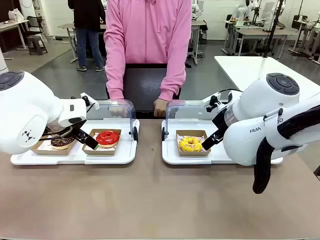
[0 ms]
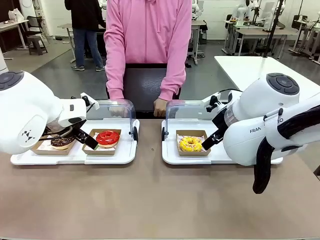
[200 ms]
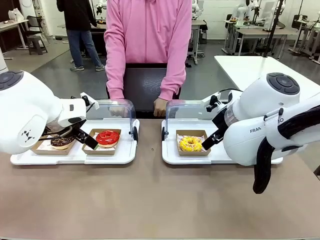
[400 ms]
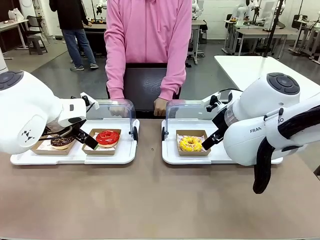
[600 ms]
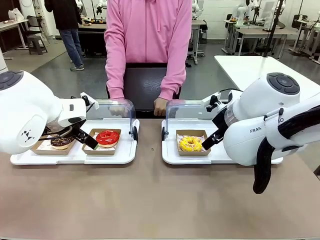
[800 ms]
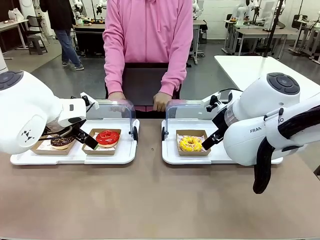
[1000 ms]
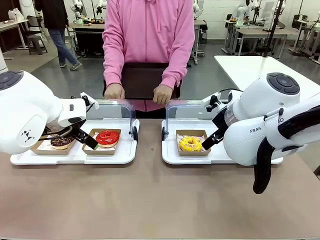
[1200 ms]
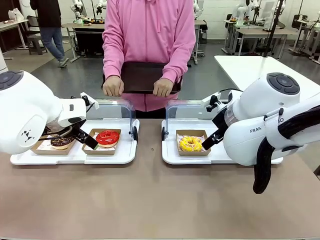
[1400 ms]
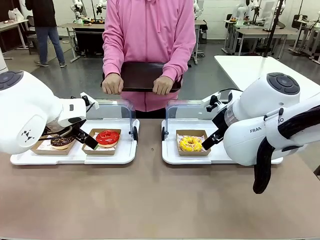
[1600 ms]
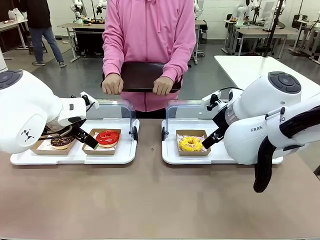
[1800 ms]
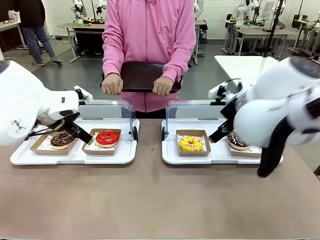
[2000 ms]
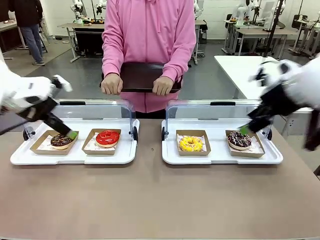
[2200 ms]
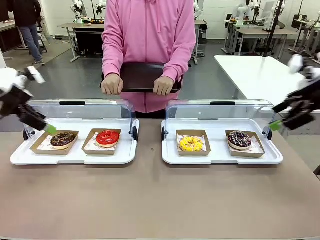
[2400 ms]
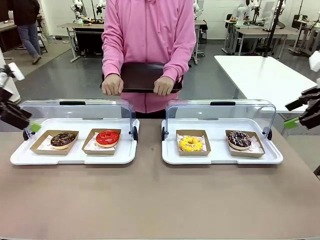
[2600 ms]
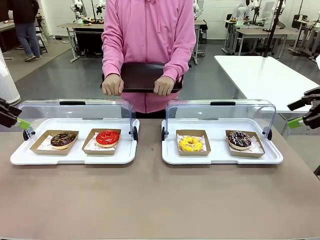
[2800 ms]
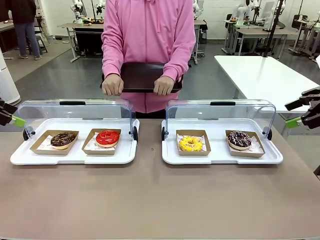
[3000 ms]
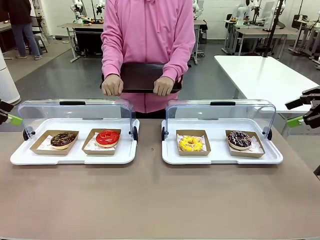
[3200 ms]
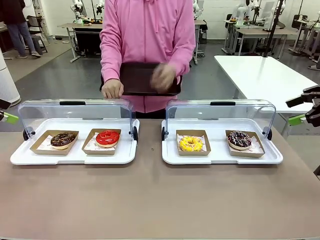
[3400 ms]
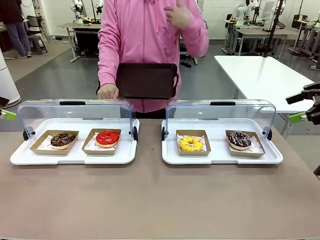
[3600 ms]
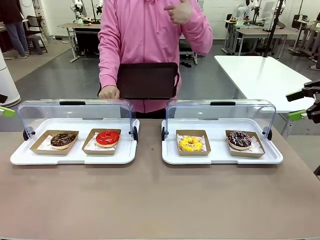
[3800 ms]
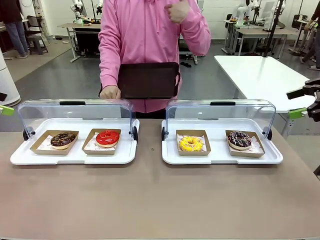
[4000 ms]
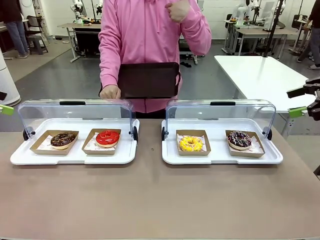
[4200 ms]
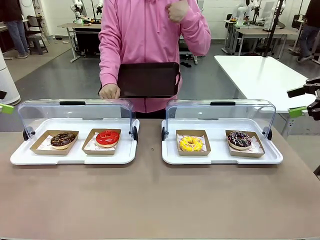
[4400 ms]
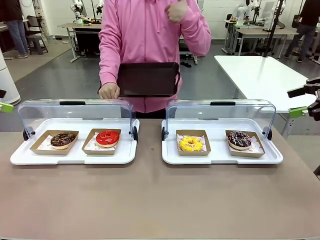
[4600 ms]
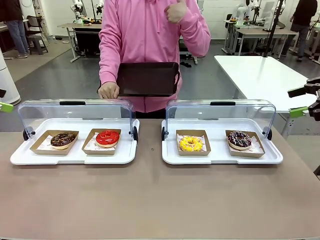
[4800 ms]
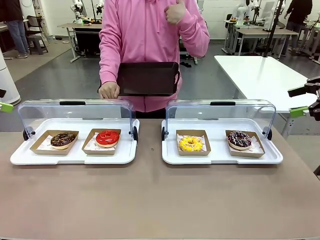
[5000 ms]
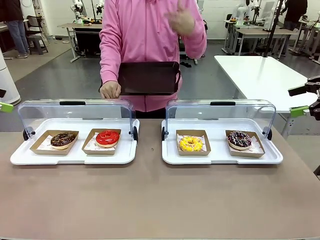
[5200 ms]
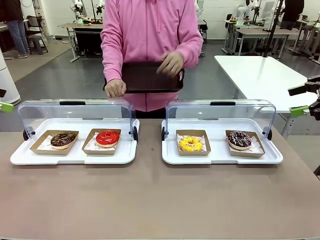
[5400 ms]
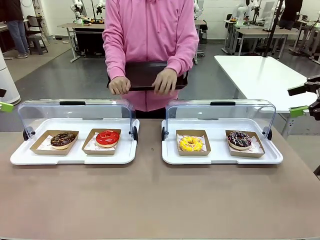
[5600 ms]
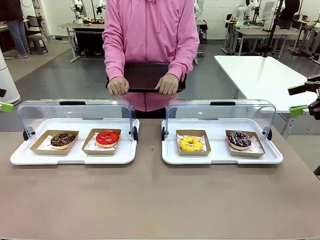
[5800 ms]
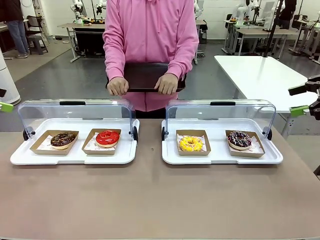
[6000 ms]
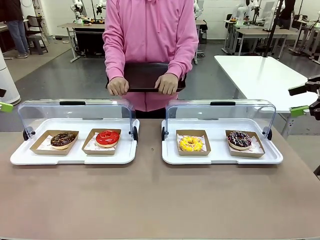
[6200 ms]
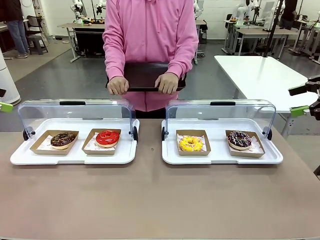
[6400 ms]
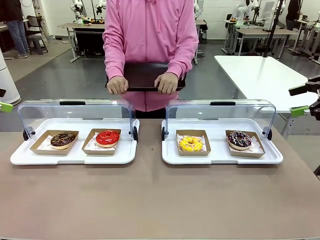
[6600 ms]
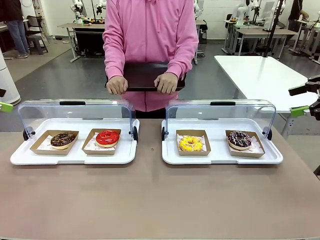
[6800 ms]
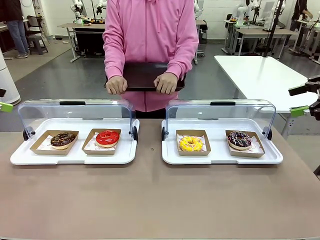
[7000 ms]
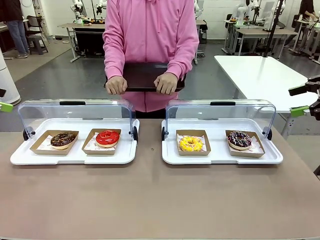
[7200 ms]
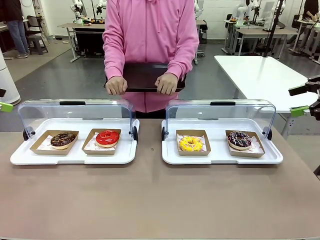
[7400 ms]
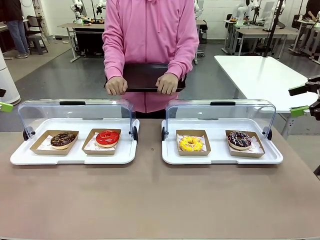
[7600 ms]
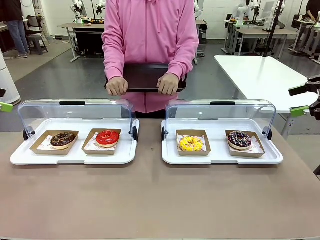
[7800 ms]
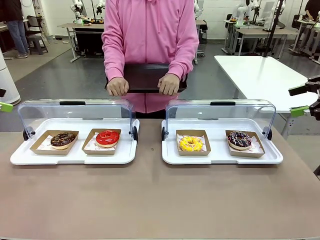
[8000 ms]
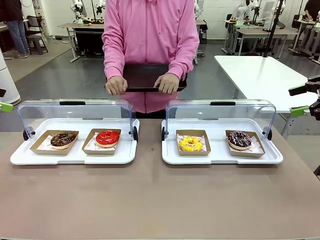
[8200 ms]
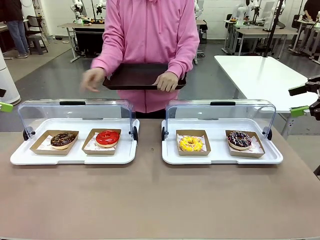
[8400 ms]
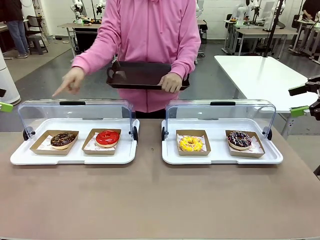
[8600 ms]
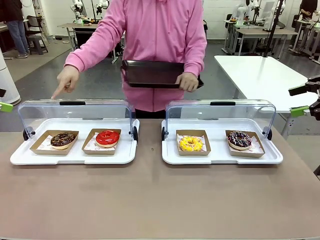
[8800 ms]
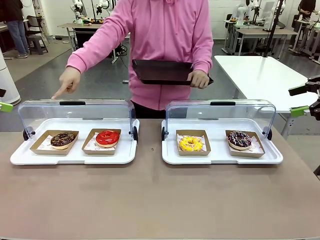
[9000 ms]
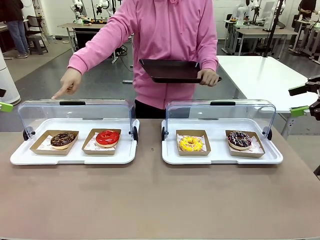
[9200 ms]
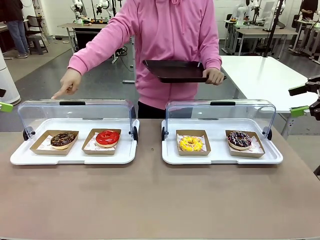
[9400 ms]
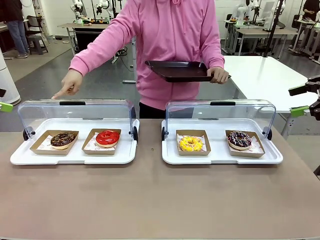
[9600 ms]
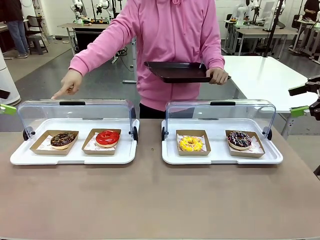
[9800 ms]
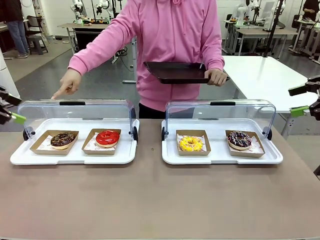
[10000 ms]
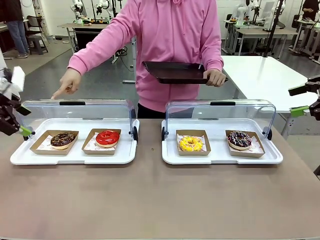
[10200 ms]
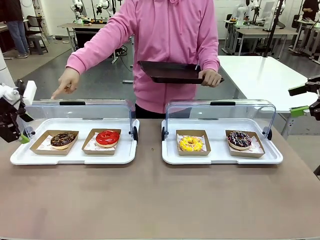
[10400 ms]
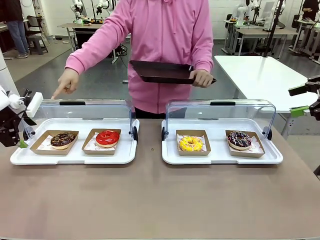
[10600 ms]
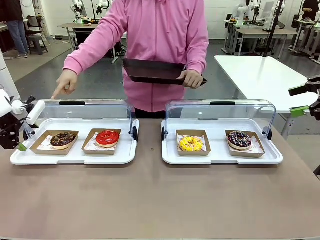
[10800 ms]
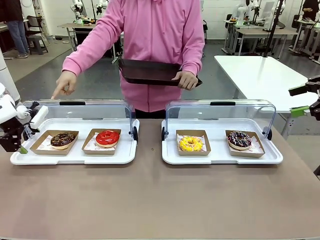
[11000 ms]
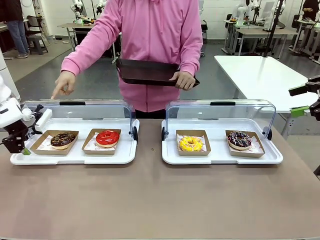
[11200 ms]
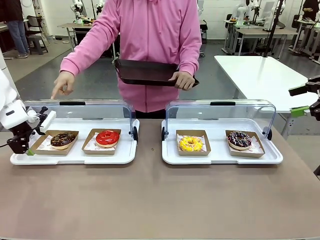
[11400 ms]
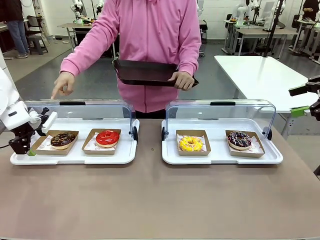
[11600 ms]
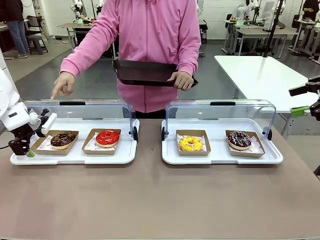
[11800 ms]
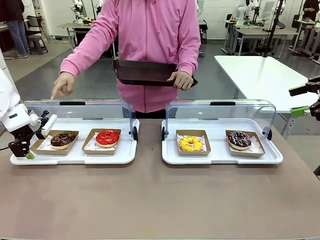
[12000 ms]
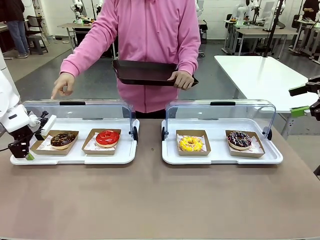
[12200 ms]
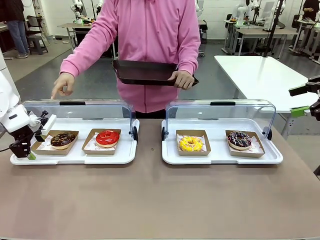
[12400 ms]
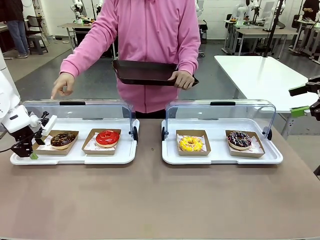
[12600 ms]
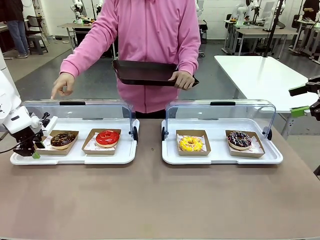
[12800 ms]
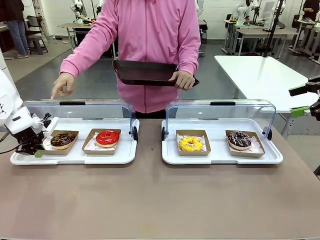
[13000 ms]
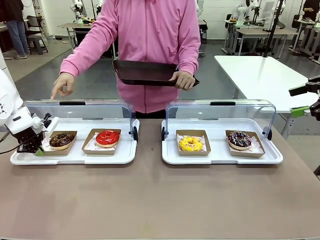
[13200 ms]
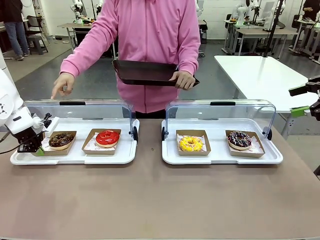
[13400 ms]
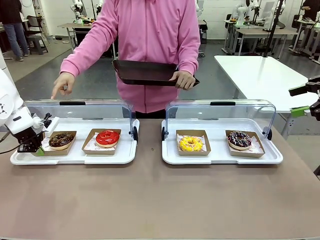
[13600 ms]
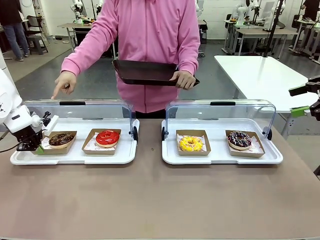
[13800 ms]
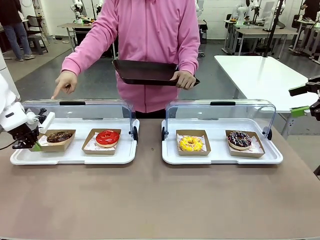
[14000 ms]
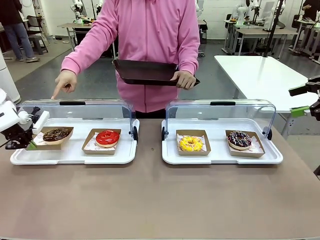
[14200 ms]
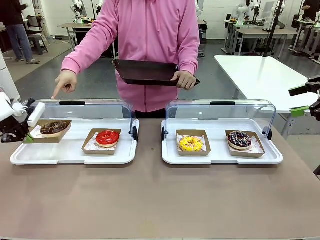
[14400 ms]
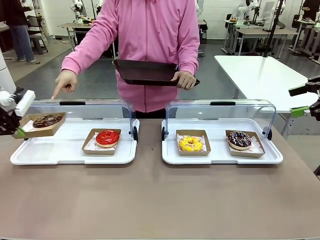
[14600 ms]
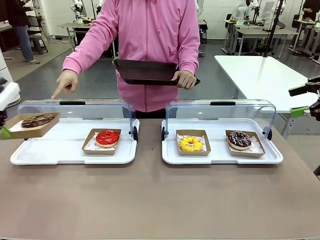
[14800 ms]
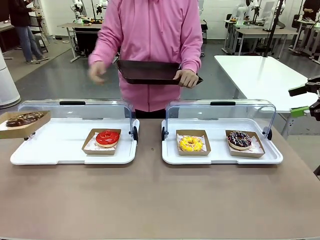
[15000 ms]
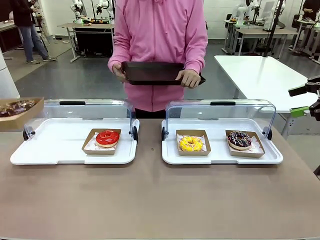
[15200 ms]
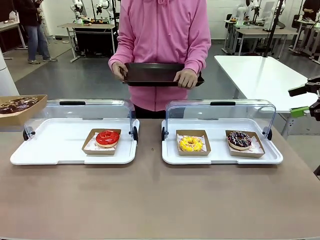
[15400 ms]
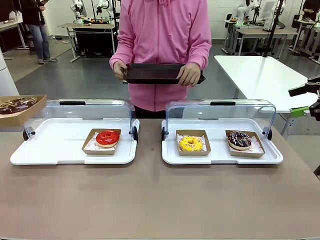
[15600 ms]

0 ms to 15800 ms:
Task: Provide the desired donut to the person.
Robot: Pick up and lift the Paper togo box containing the Donut pointed at by the person.
Person: Point to one donut. Lift the tray onto the Roll-Top Bakery Case.

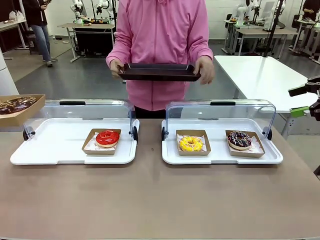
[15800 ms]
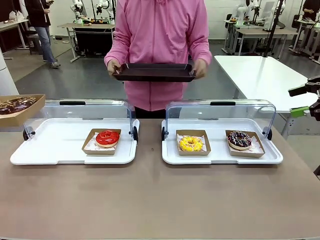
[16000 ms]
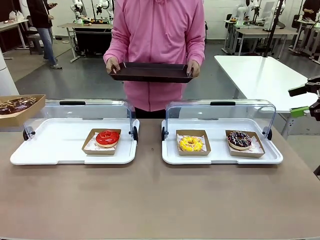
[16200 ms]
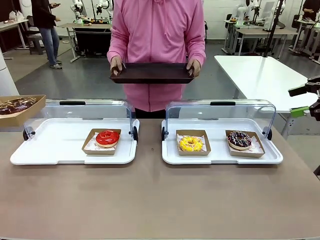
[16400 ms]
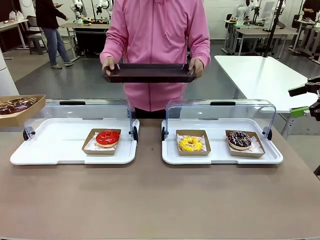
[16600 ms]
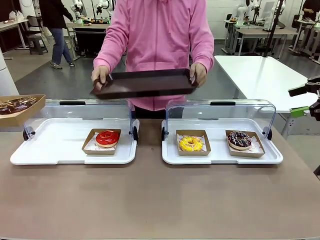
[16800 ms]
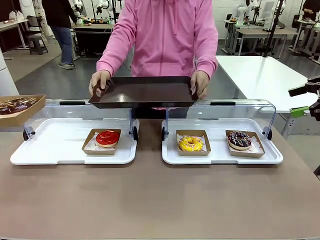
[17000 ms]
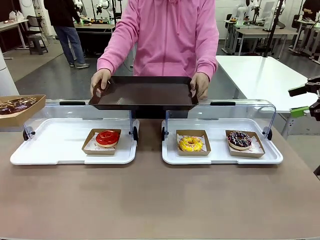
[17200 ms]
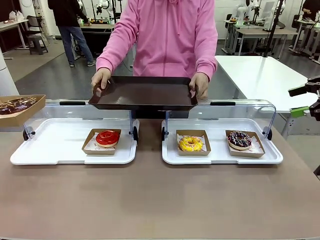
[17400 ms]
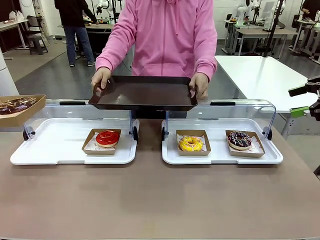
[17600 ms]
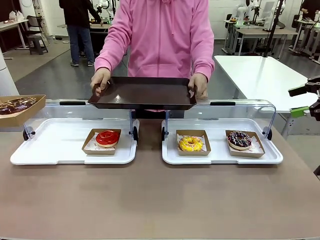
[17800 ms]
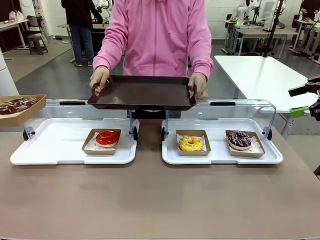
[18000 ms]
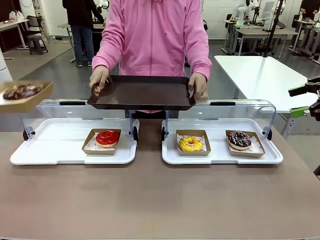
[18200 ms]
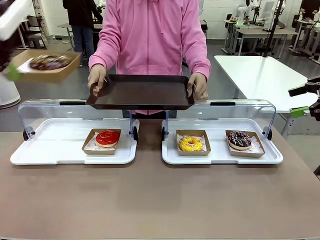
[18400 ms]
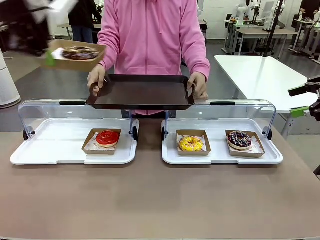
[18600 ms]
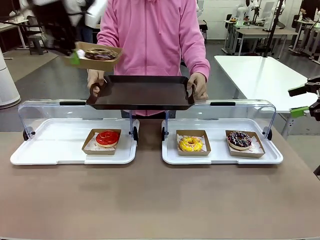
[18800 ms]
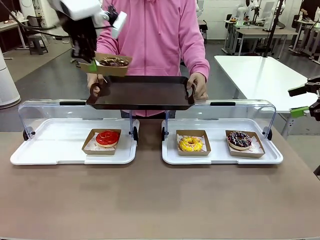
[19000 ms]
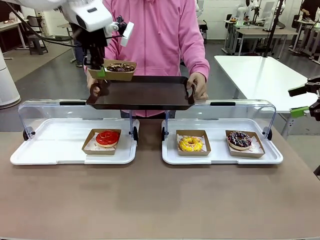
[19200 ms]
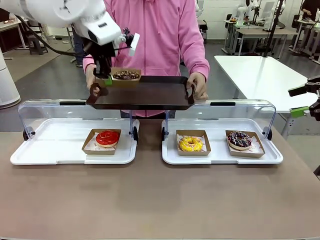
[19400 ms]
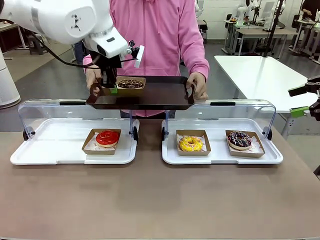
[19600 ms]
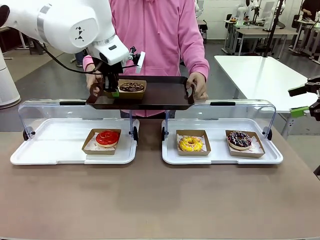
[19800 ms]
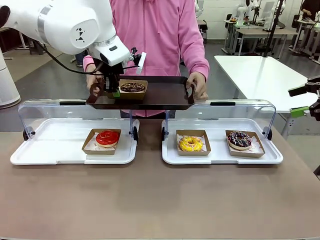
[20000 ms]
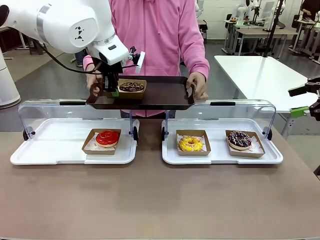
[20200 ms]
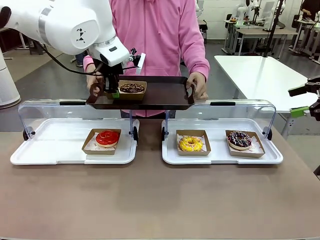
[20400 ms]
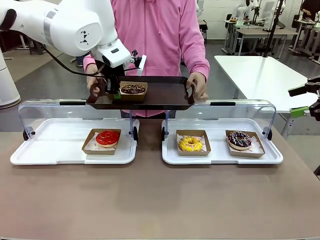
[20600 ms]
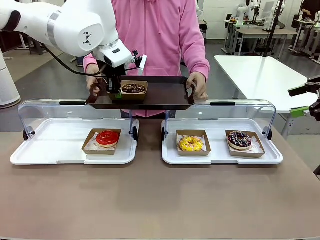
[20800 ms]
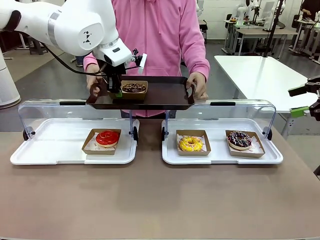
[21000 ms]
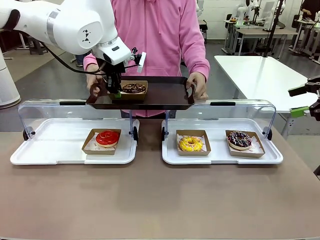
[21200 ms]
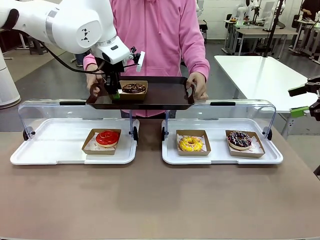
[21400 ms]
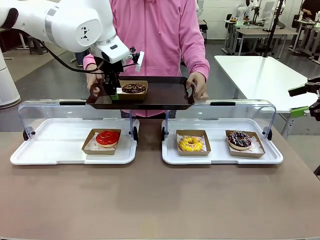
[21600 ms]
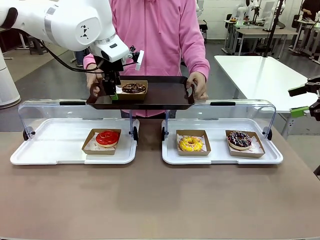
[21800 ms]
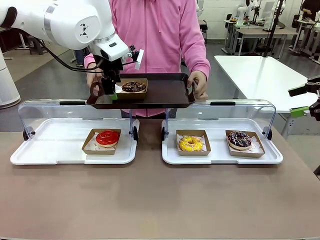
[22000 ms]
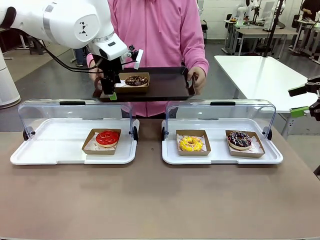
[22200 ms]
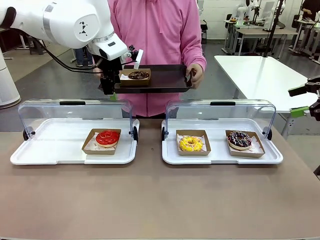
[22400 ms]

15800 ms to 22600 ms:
Robot: Place the picked Paper togo box onto the Handle tray extended by the person.
Person: Point to one donut.
